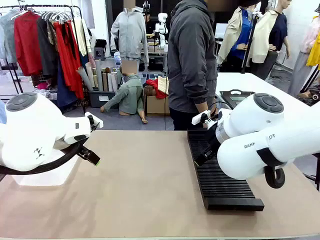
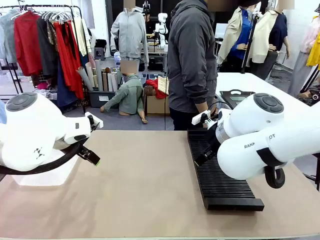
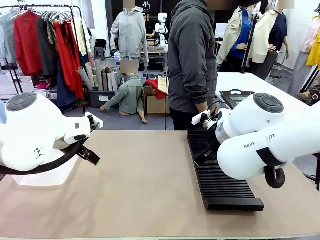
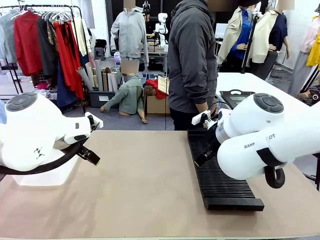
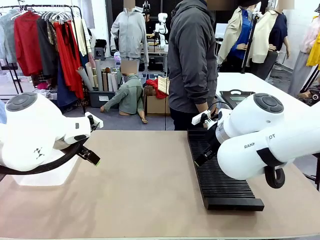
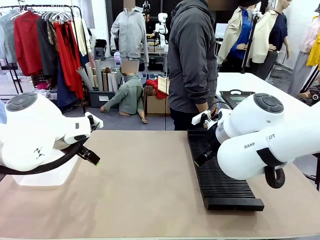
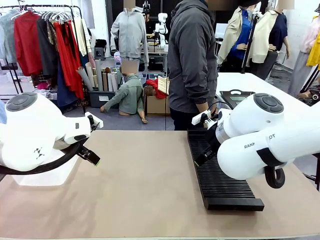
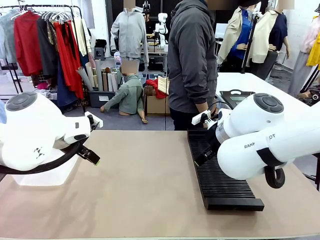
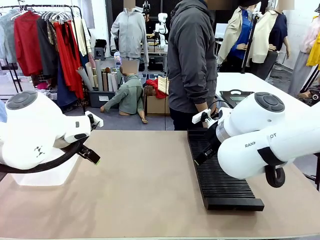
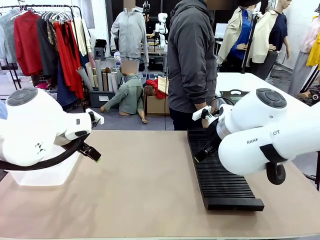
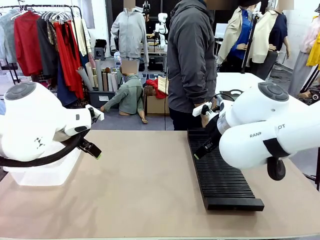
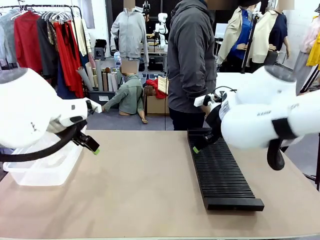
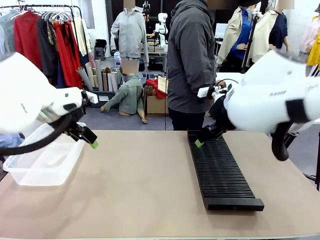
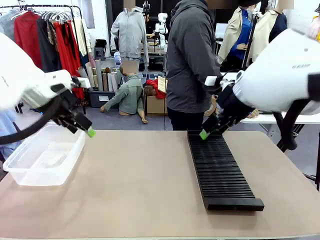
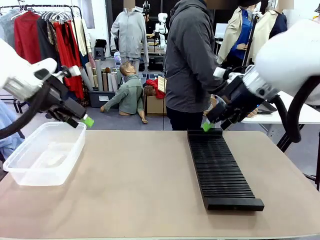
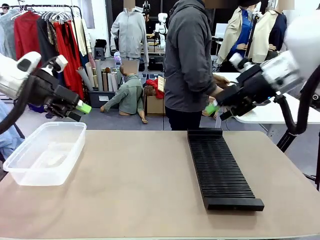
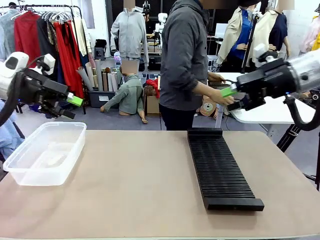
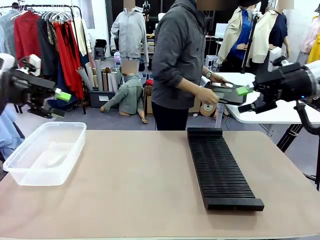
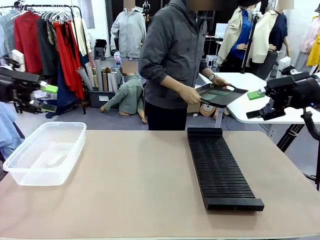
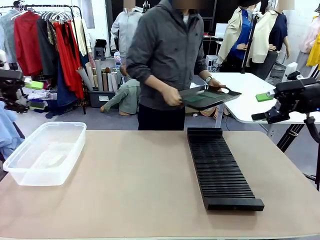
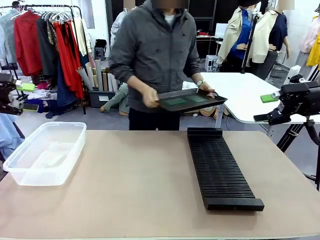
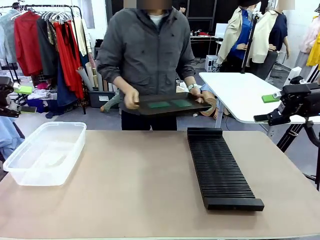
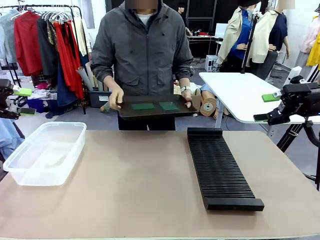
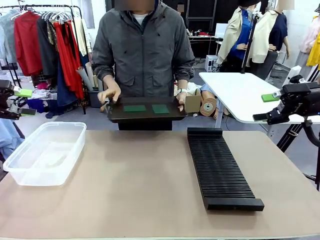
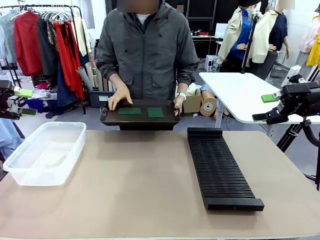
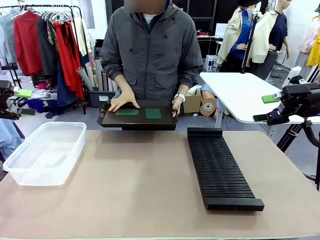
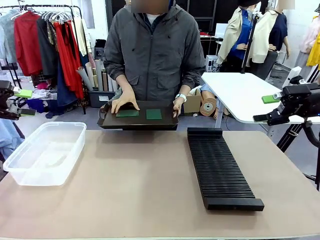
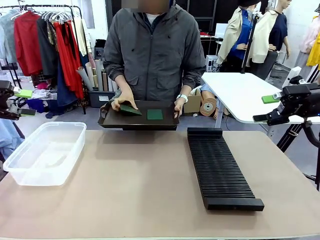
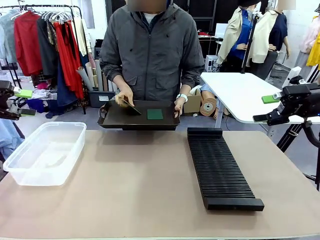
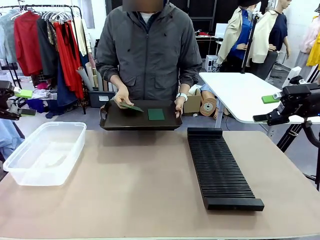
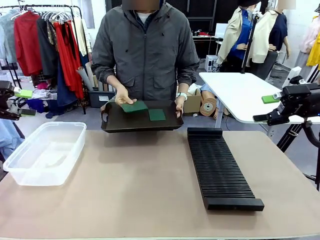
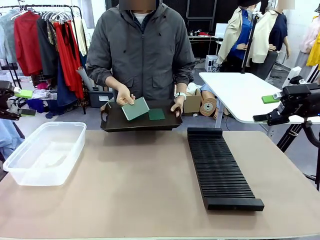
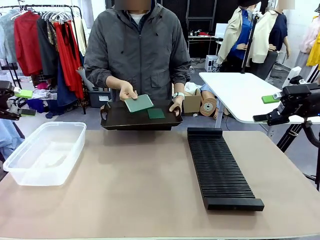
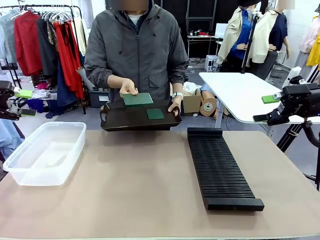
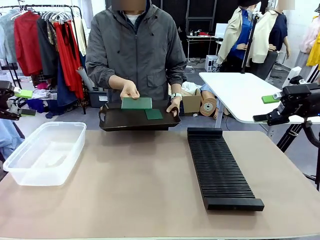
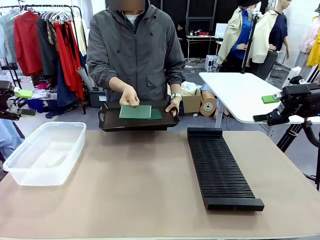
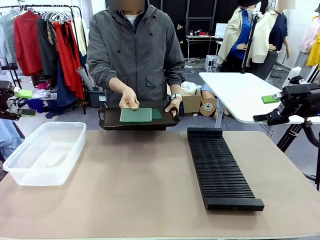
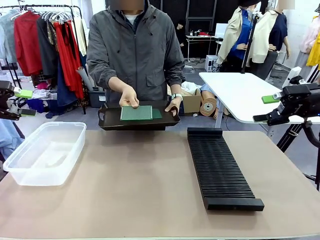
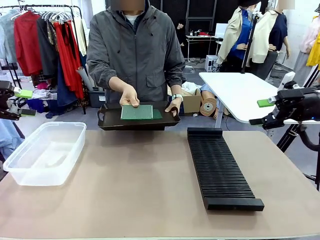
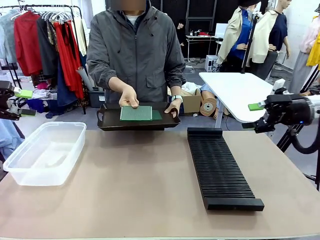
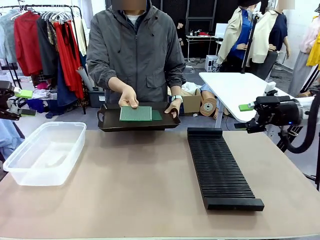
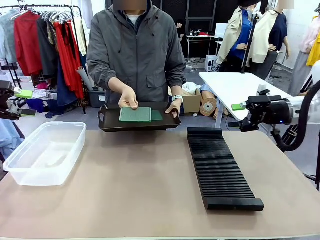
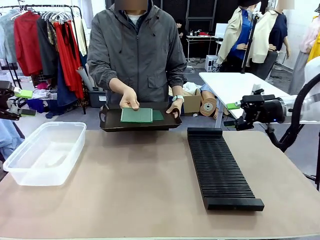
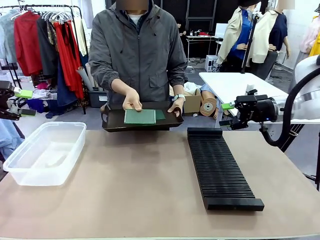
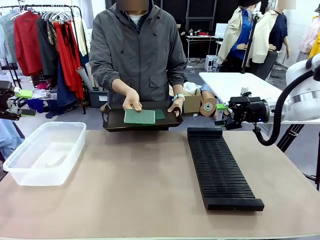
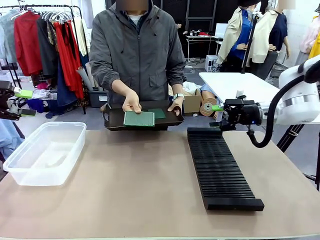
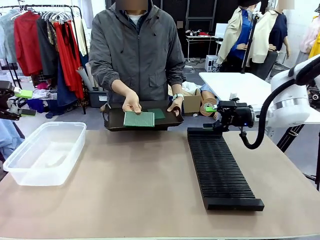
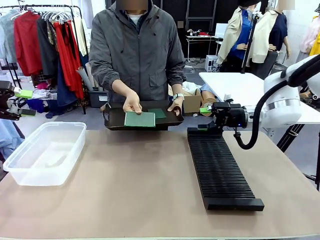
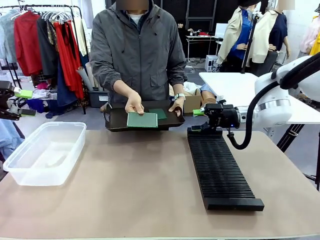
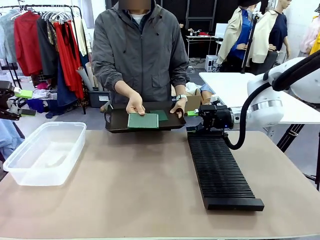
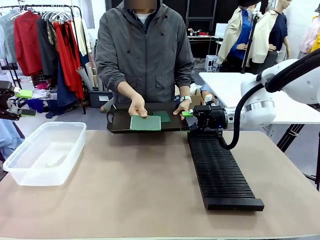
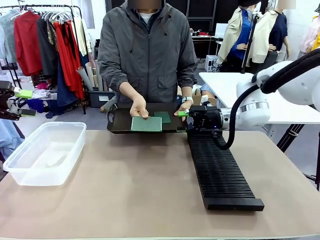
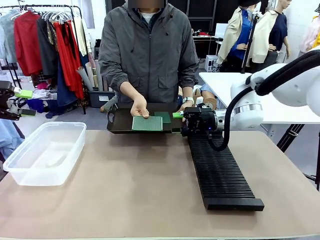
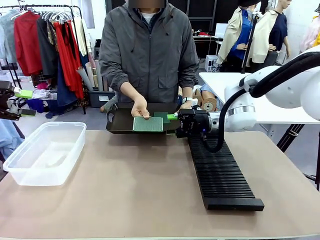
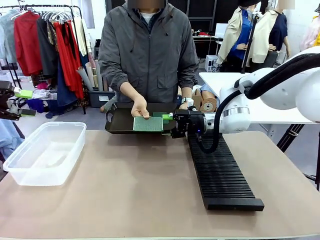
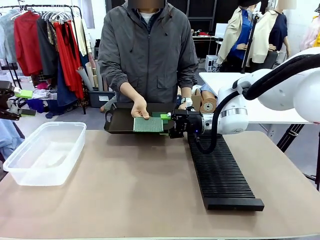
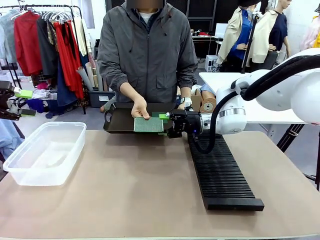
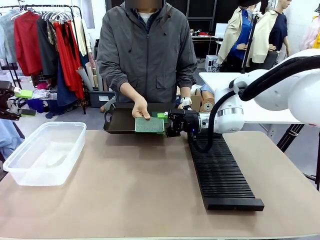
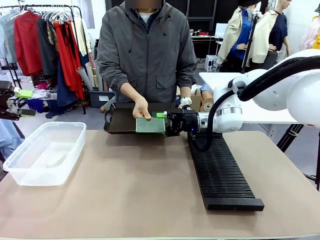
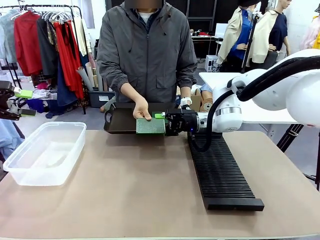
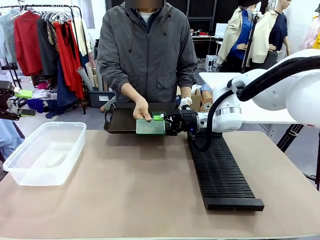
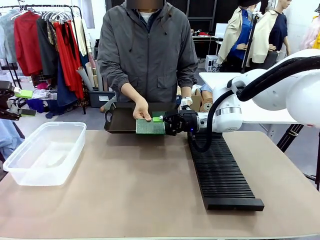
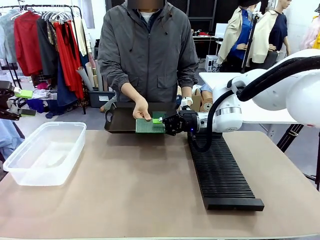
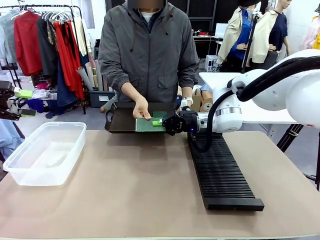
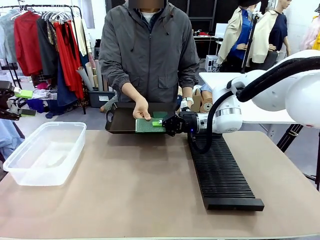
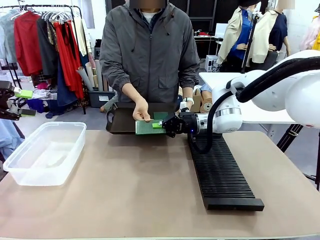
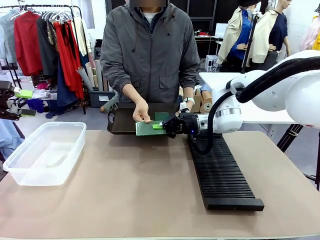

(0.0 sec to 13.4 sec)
Task: Sort PCBs into racks and boxes based on the side picked up.
Robot: Pick up the Blank PCB handed by the Human.
Person: Pick one PCB from the tray and present it to the robot. Release the PCB being held.
